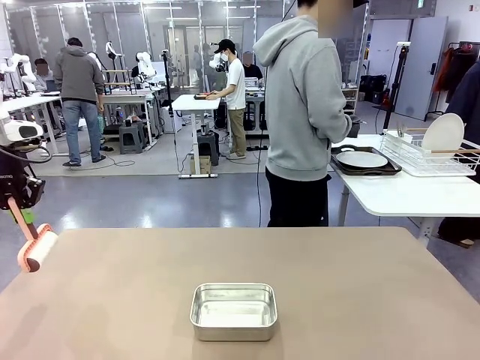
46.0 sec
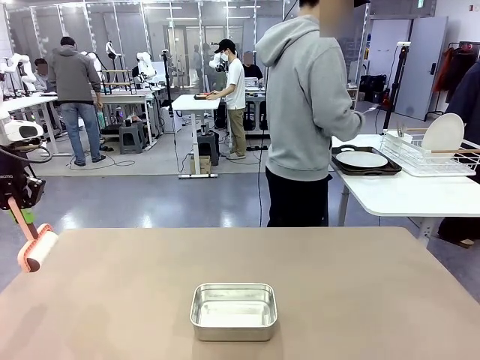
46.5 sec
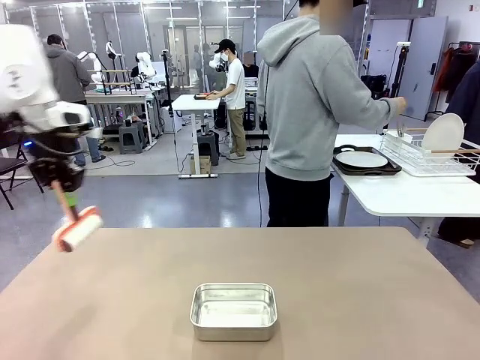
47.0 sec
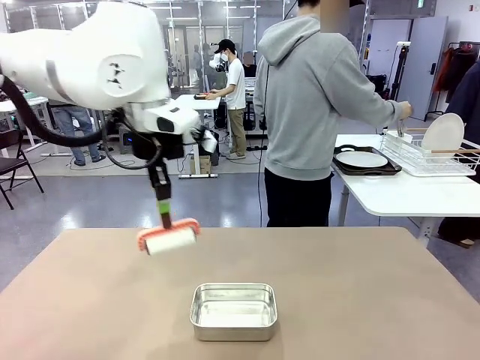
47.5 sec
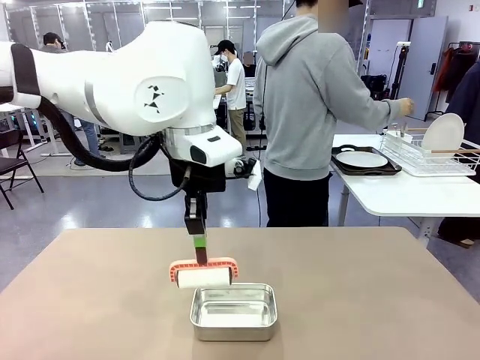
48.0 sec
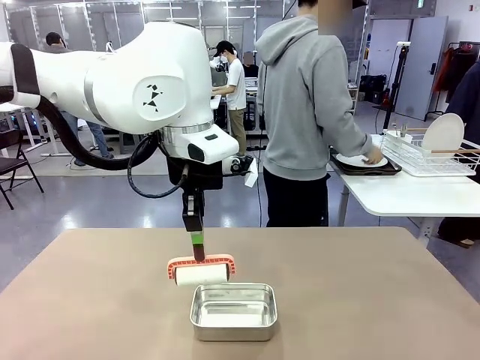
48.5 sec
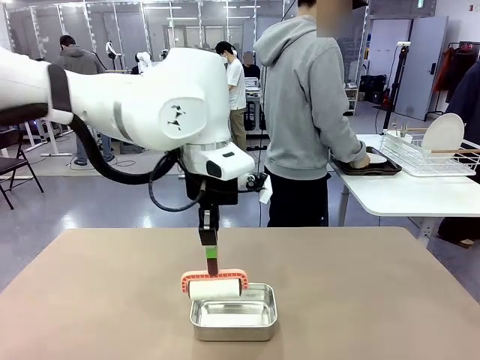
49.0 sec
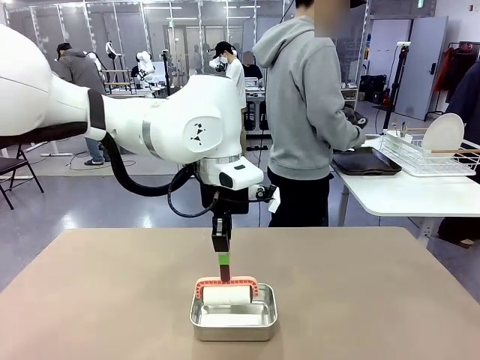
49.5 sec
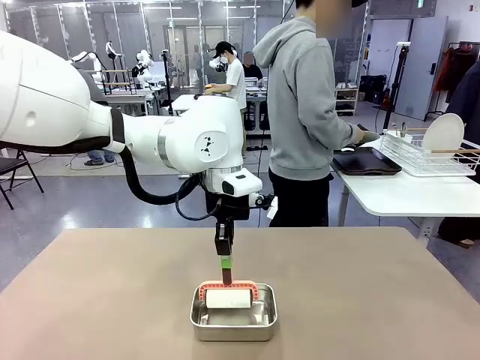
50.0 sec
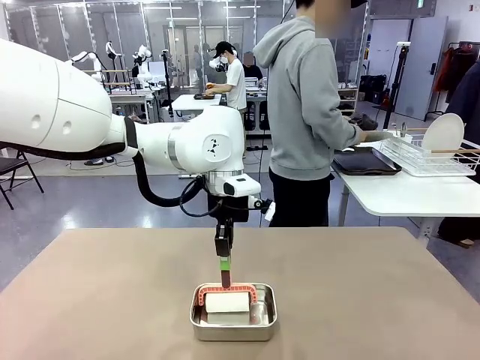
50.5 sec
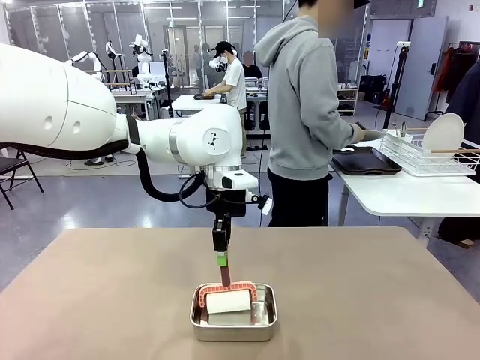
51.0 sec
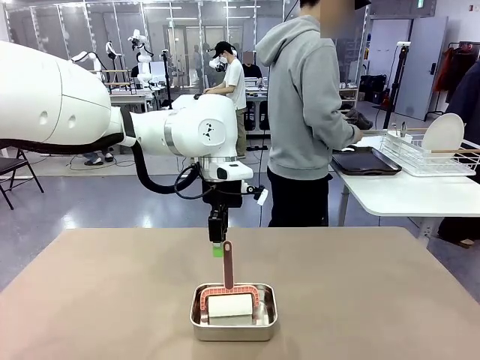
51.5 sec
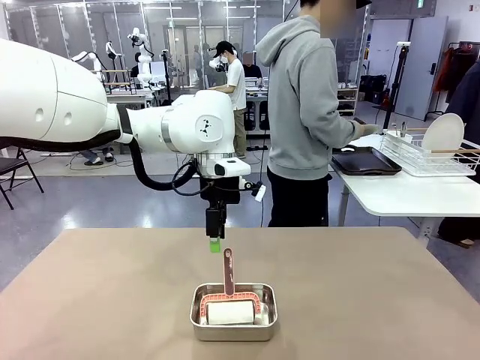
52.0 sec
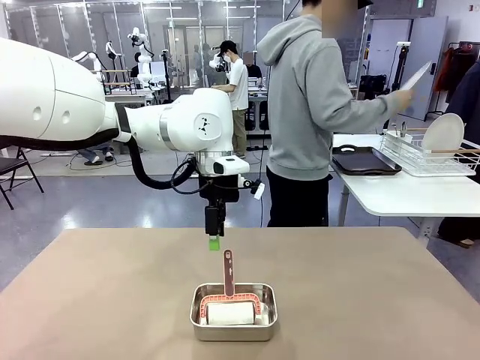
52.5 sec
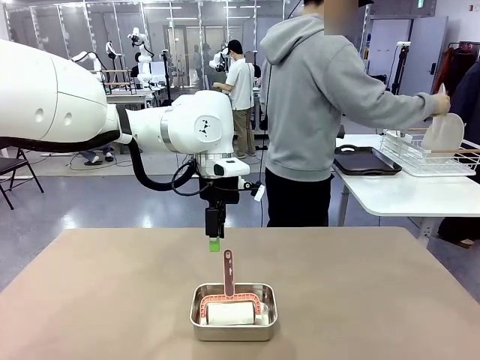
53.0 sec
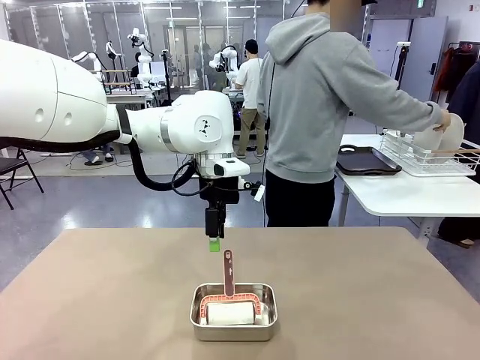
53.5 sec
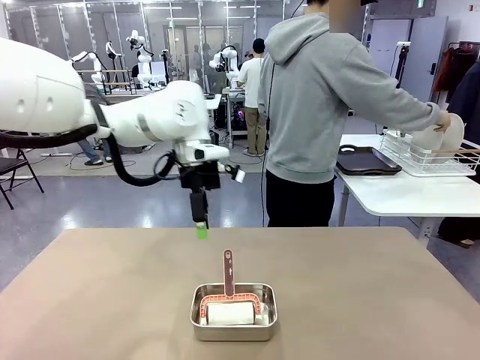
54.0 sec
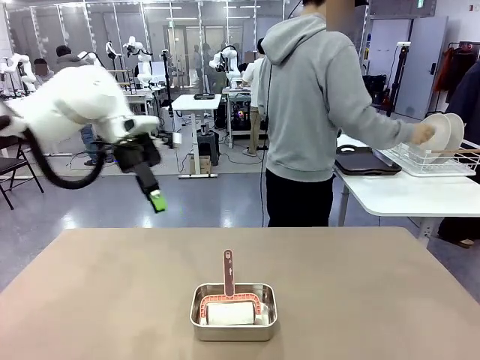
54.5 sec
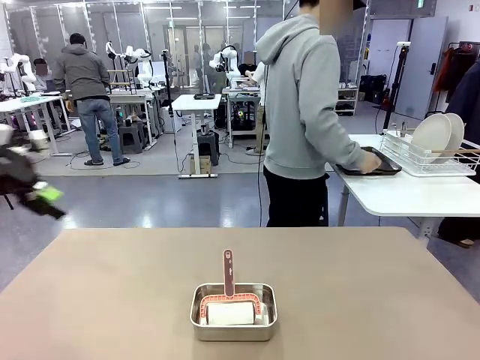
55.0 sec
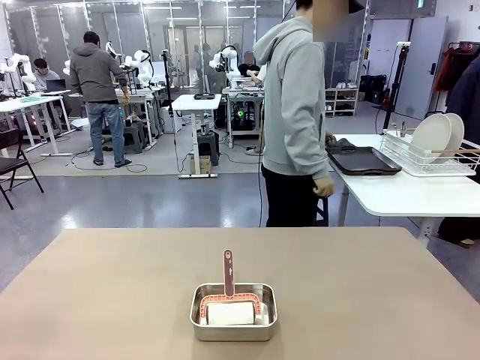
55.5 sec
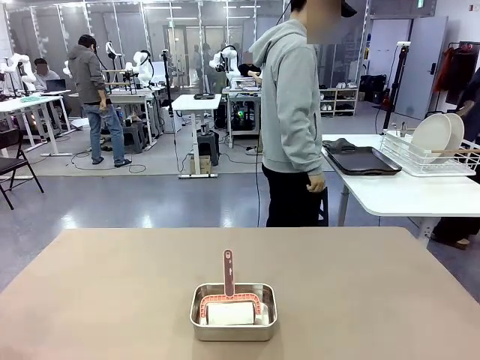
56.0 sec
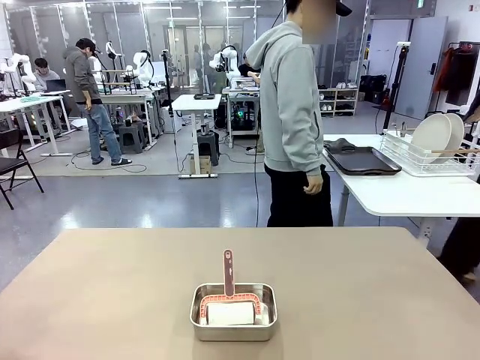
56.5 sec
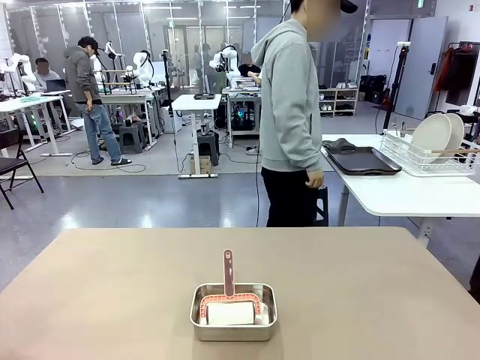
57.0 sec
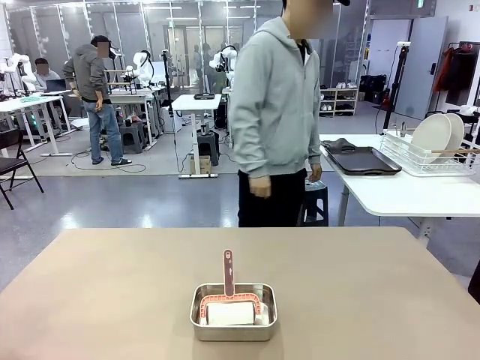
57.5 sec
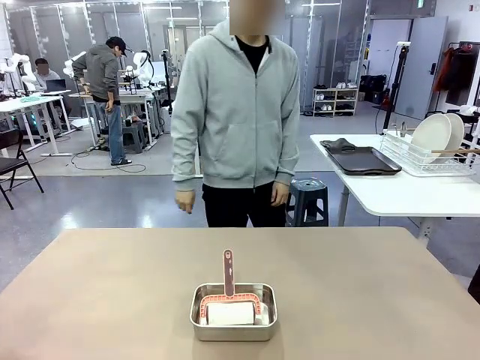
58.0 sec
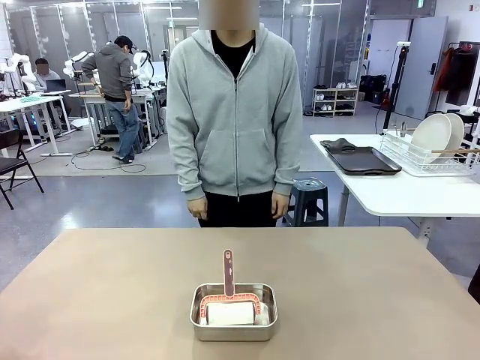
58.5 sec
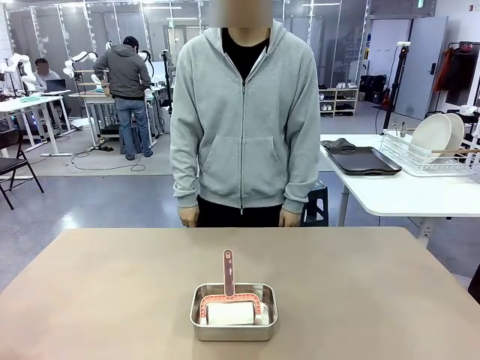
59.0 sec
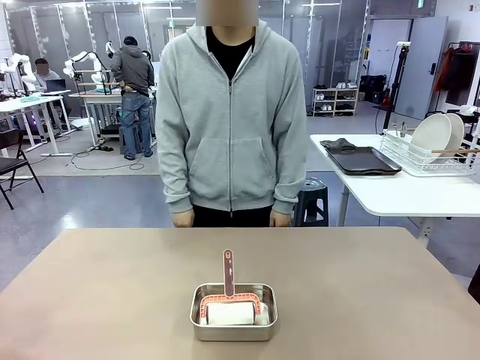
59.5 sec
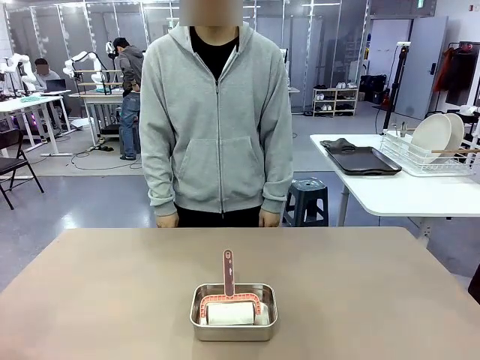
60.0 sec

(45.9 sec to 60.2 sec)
Robot: Place the Lint Roller back on top of the Airtight Container.
Person: Use the Towel with hook to wipe the Plastic Matte Plate , Fork , and Knife and place into the Dish drying rack.

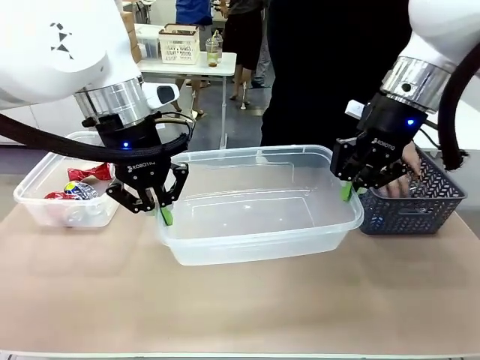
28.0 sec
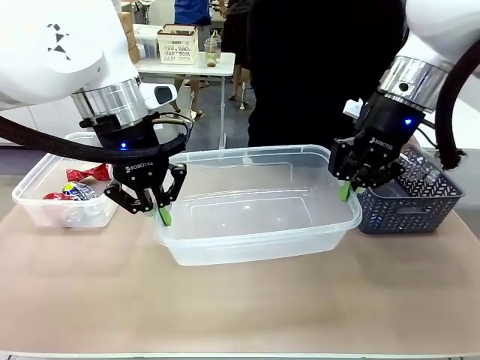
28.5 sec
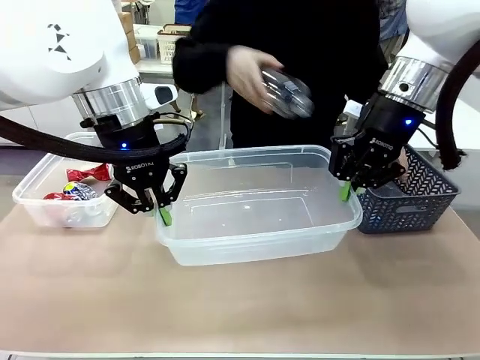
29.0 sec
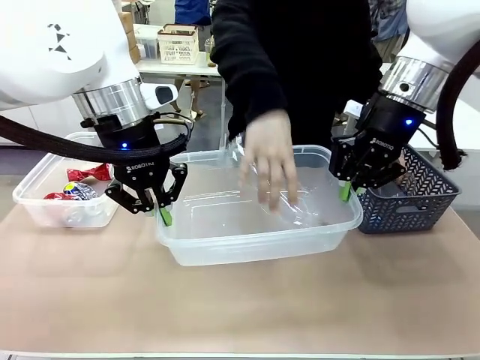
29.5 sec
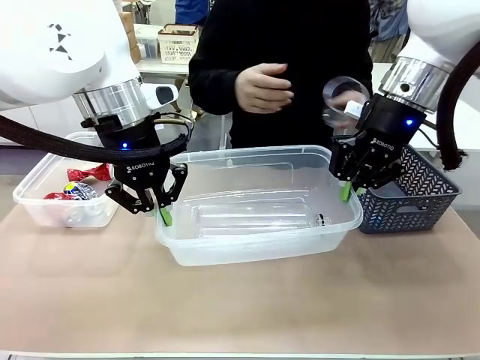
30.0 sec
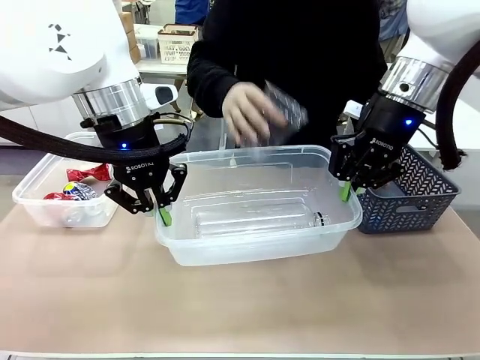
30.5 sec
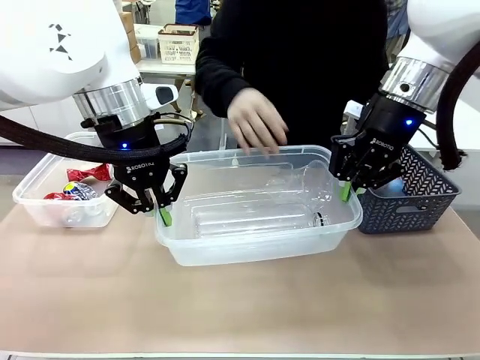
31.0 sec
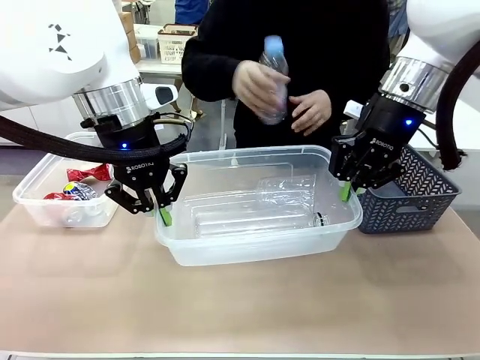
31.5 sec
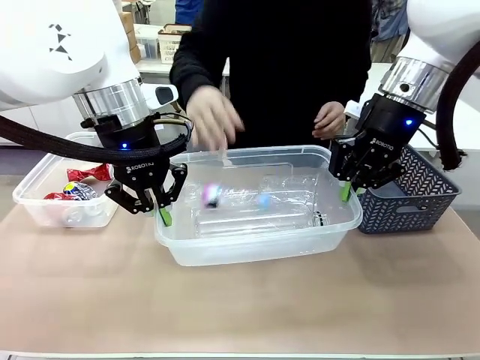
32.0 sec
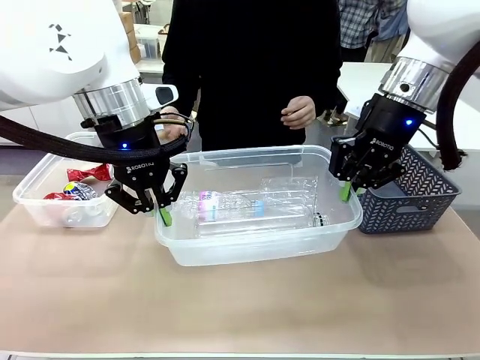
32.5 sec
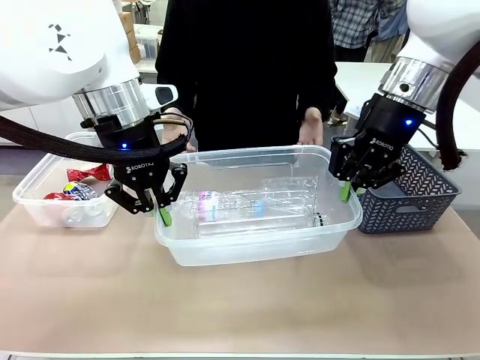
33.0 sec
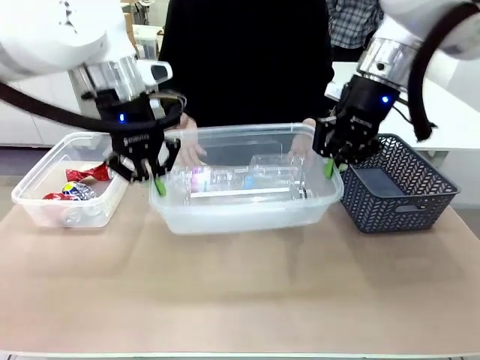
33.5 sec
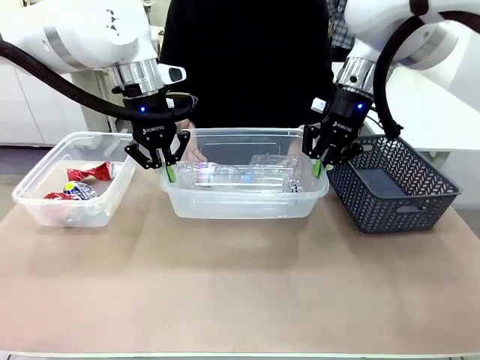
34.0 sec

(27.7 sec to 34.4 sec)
Robot: Offer the picked Organizing box to the human.
Person: Pick up plastic waste one by one and place it into the organizing box lifted by the robot.

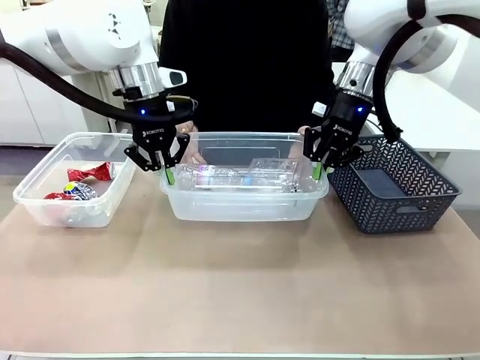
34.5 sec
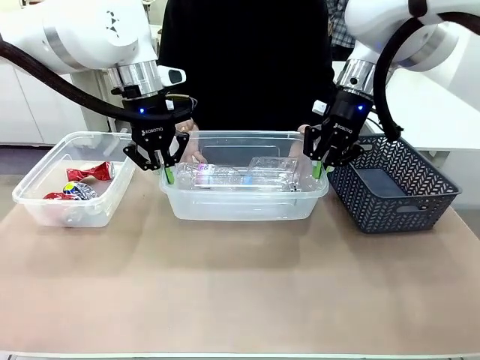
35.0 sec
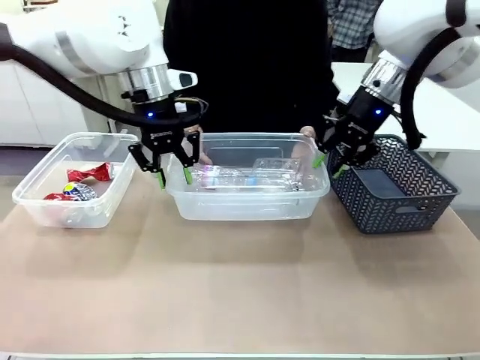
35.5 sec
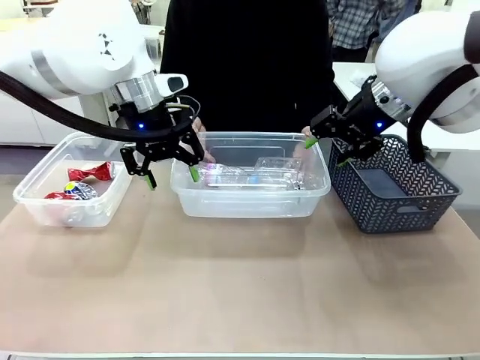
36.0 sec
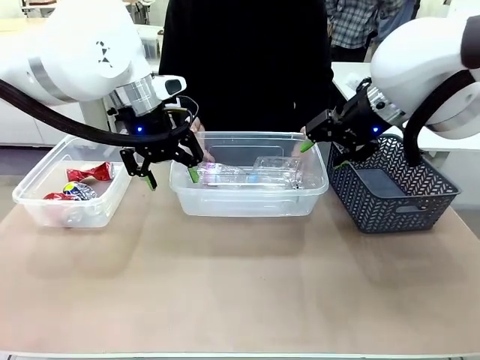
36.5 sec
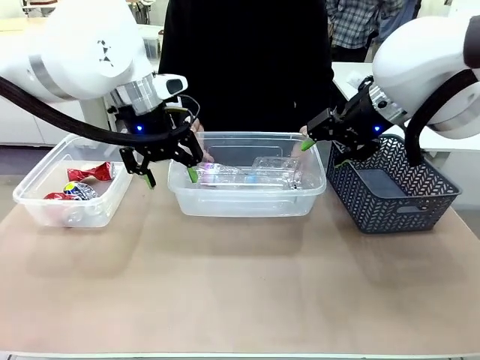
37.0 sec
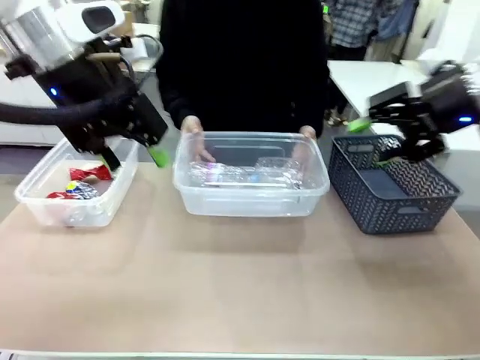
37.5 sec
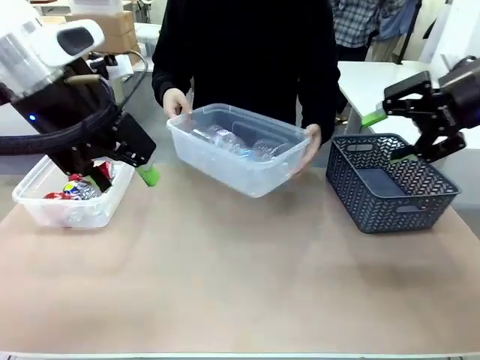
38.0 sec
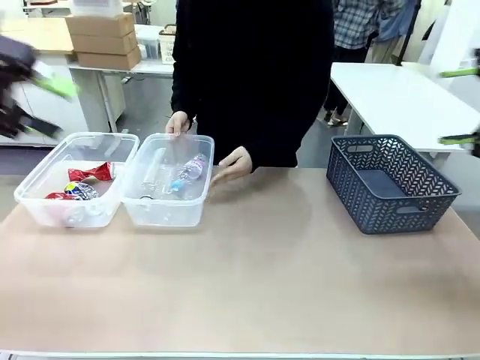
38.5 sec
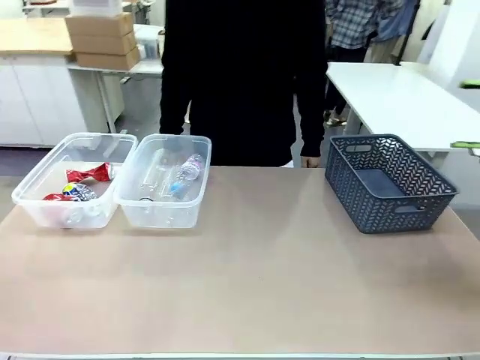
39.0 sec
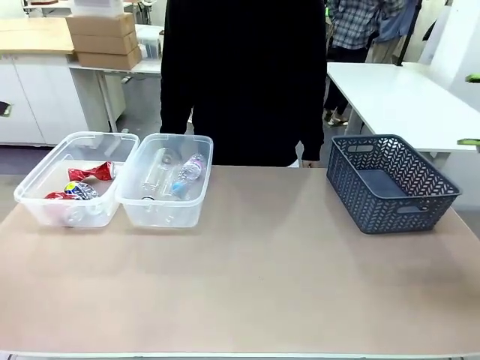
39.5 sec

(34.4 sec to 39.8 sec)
Robot: Release the Organizing box you were holding.
Person: Pick up the organizing box extended by the robot. Place the organizing box to the left of the sorting box containing the can waste.
